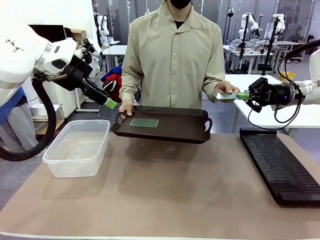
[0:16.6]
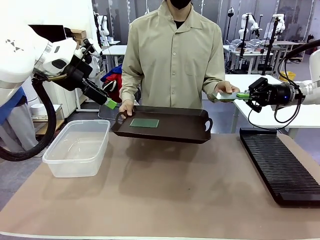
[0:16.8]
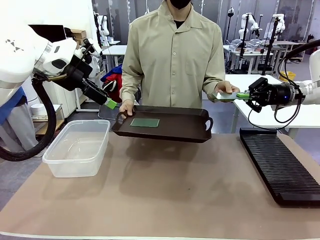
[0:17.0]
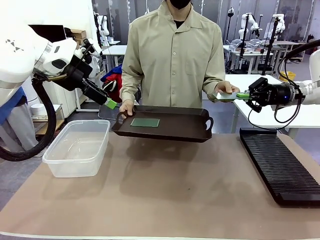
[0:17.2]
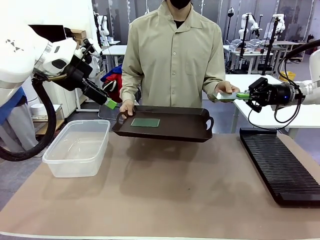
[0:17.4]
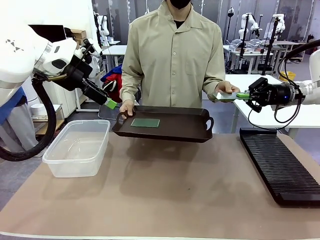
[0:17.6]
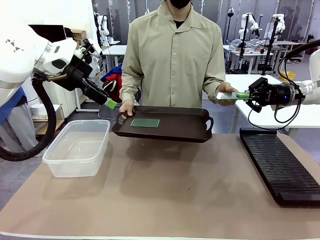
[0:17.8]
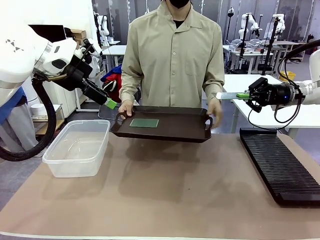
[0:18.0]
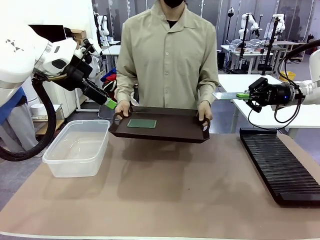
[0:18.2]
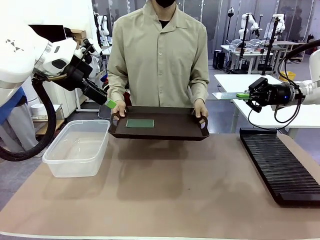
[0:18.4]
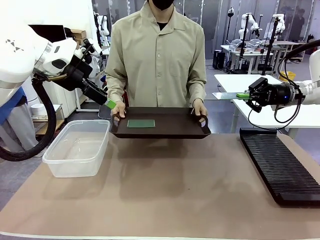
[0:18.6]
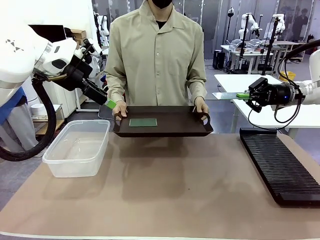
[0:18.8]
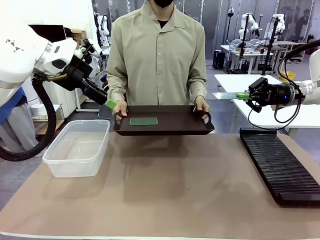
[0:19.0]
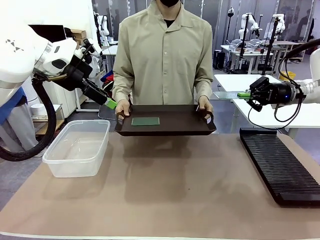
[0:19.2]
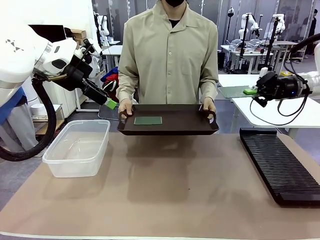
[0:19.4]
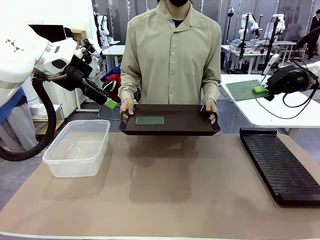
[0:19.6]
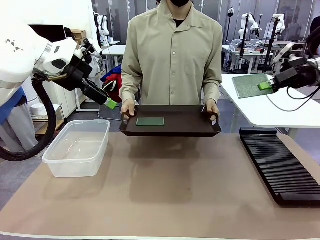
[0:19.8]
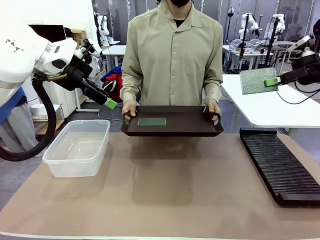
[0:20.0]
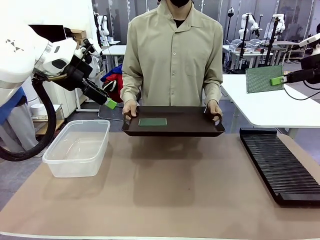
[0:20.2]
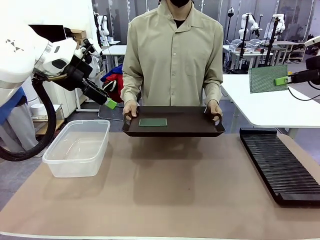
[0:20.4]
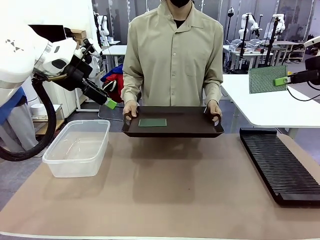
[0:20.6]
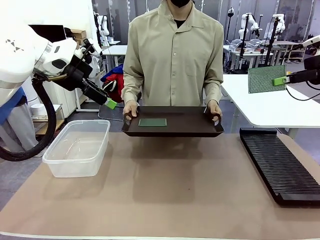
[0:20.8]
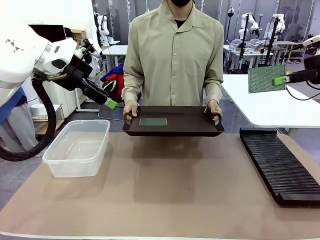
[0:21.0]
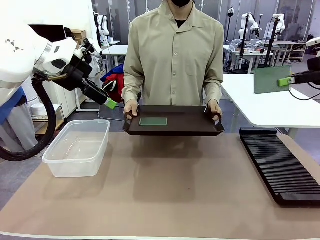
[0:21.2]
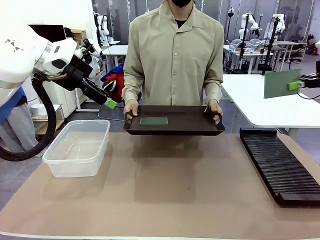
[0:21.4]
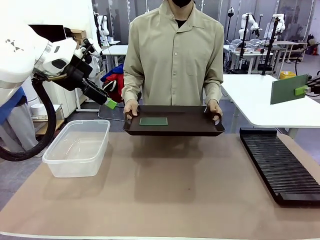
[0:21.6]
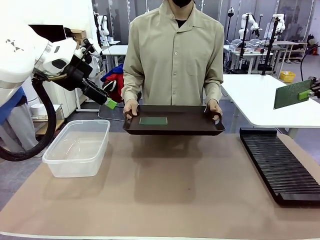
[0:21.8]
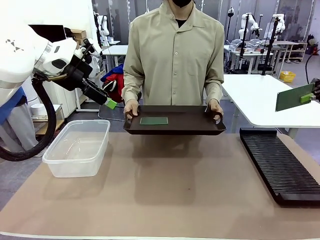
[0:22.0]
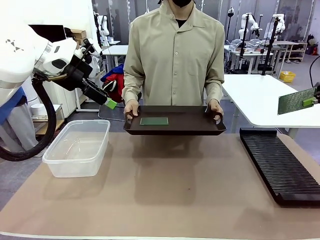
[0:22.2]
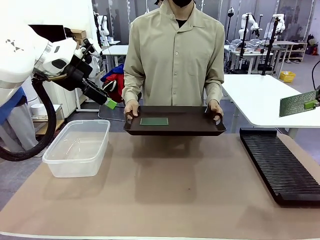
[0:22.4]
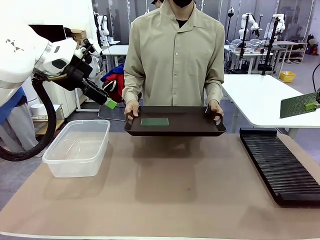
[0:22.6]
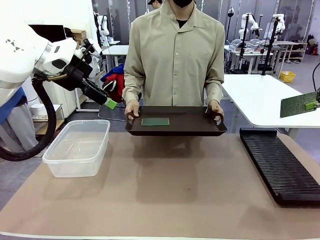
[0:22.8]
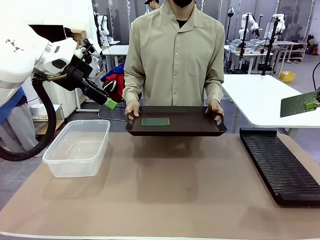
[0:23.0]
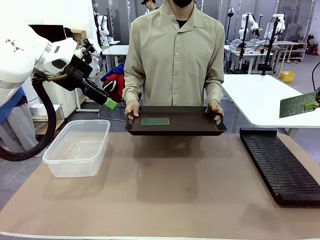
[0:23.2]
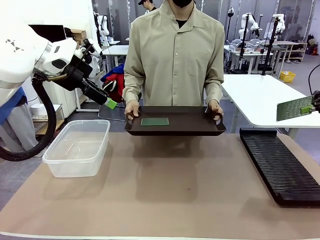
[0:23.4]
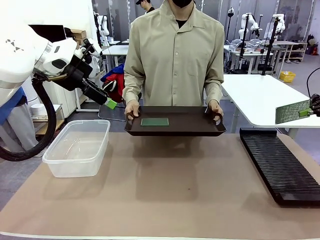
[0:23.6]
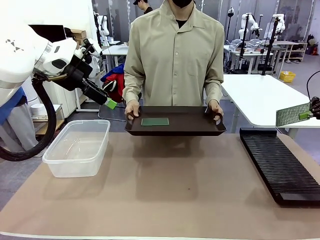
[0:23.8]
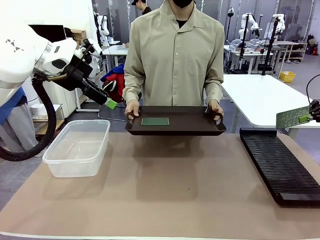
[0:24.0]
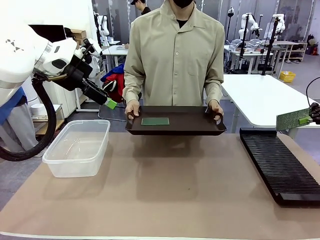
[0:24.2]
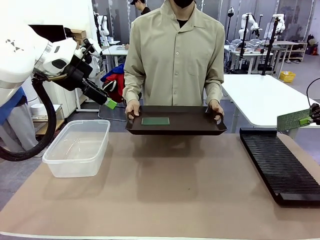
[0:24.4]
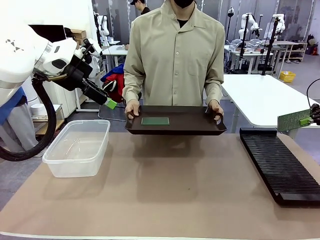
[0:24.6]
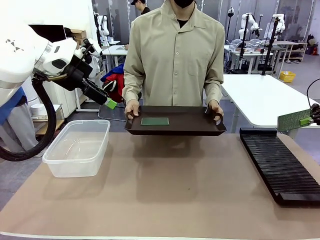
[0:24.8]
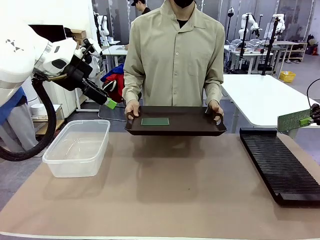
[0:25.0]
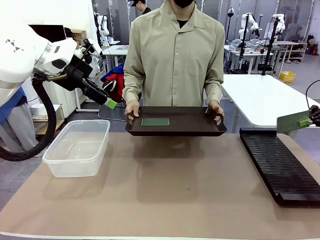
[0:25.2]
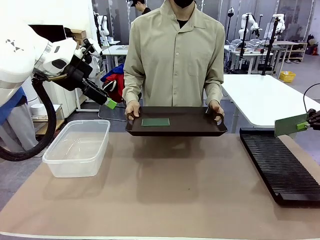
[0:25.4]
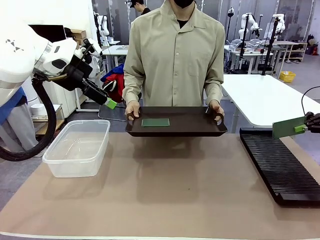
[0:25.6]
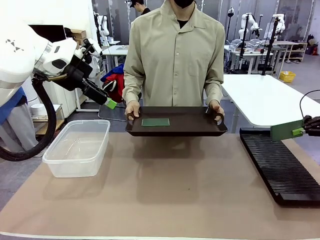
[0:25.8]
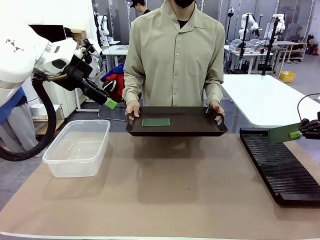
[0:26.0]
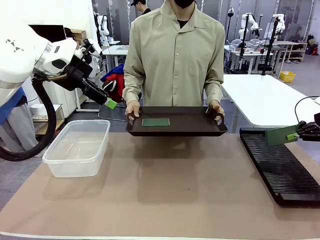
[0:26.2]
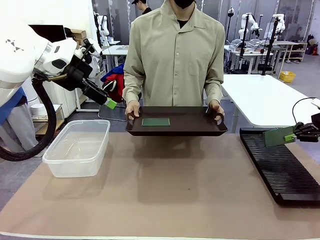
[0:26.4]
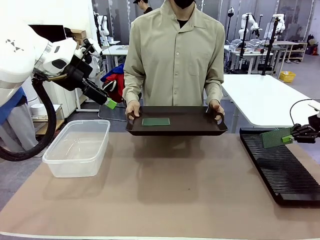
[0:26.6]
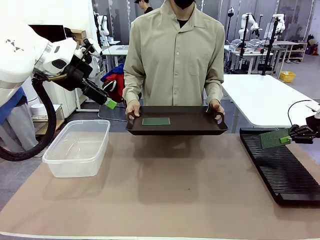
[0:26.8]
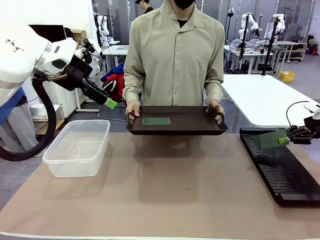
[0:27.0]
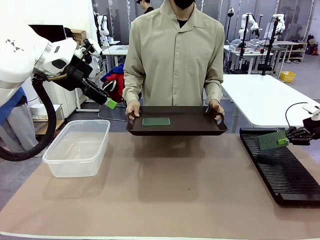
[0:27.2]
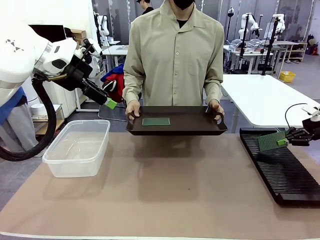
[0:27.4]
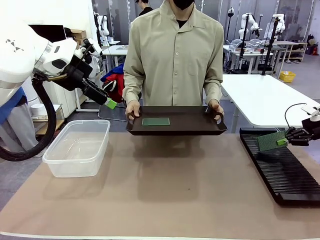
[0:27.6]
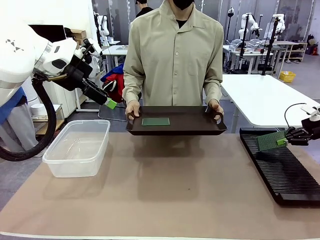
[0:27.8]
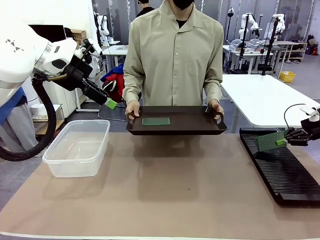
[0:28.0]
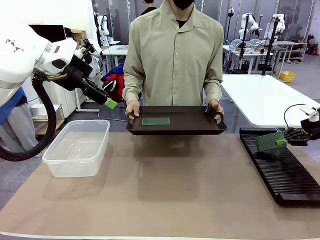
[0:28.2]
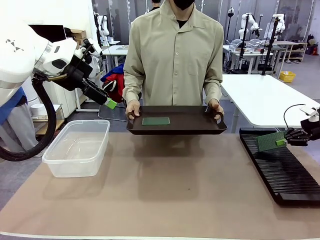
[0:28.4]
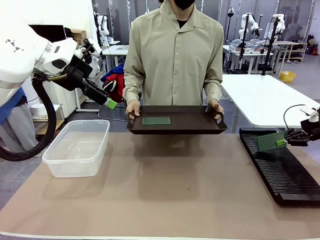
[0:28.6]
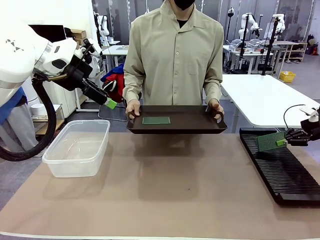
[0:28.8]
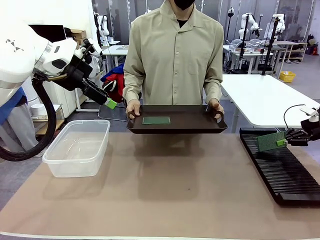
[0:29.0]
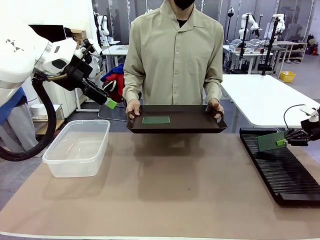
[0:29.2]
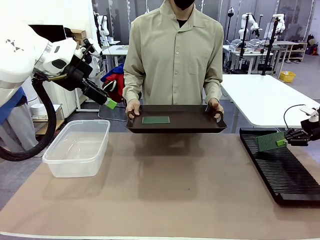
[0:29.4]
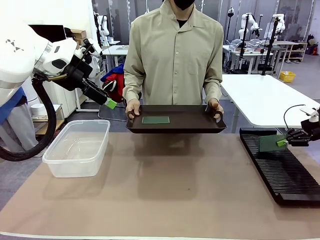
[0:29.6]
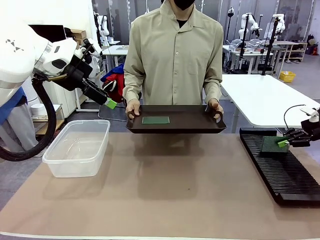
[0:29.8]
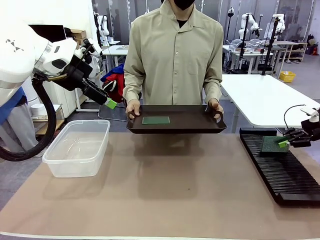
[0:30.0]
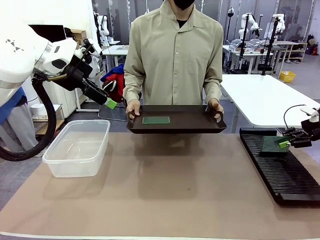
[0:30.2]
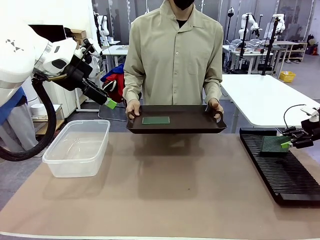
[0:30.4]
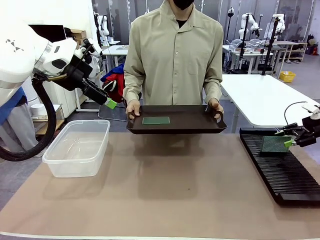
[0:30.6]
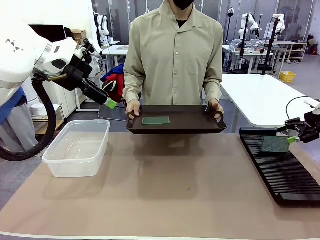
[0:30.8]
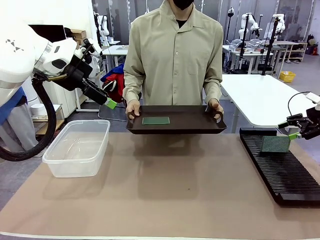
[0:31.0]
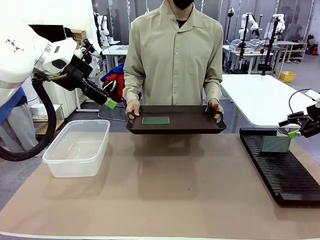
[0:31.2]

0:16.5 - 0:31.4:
Task: Sort PCBs into racks and boxes based on the side picked up.
Robot: If the short side of the Blank PCB is picked up, insert it into the PCB Rack ; if the long side is picked up, place it in the Organizing box.
Person: Pick one PCB from the tray and present it to the robot.
